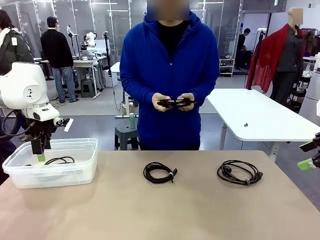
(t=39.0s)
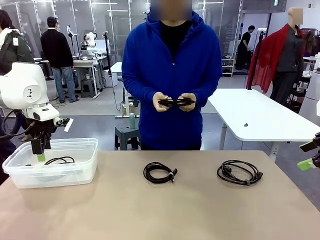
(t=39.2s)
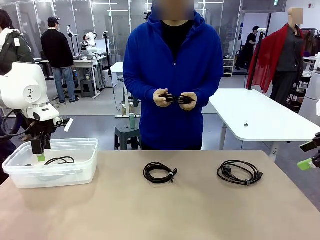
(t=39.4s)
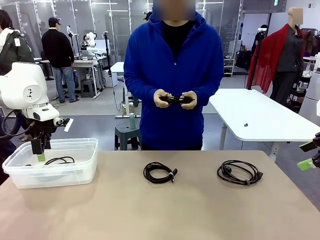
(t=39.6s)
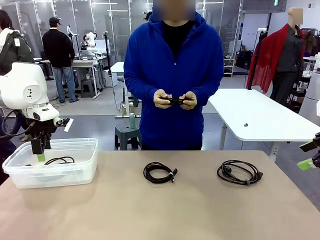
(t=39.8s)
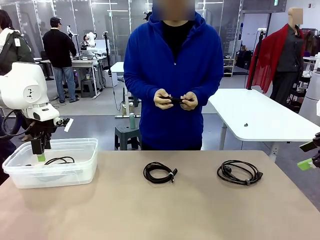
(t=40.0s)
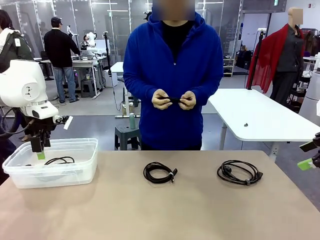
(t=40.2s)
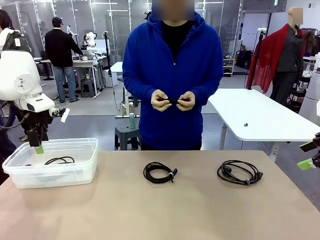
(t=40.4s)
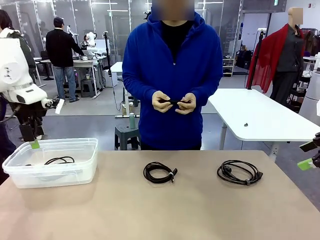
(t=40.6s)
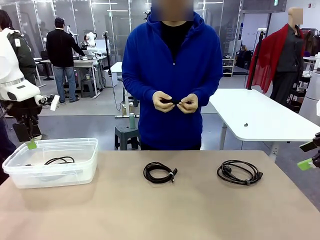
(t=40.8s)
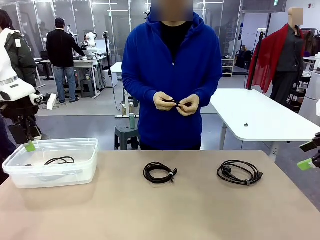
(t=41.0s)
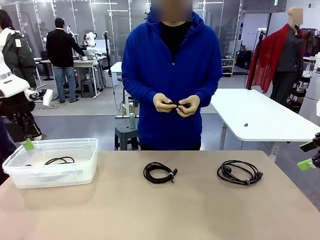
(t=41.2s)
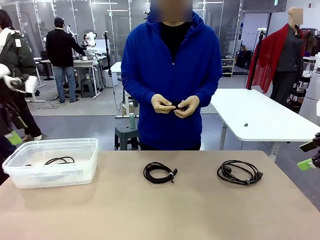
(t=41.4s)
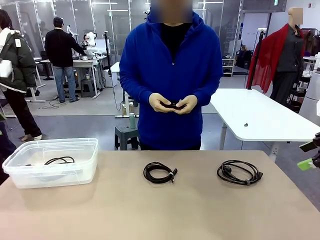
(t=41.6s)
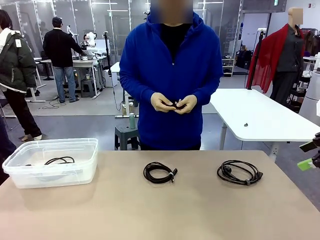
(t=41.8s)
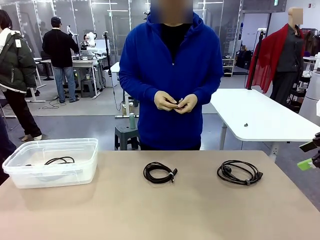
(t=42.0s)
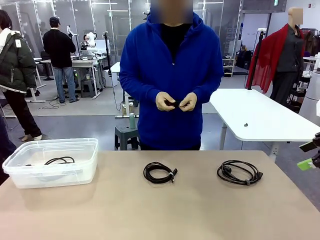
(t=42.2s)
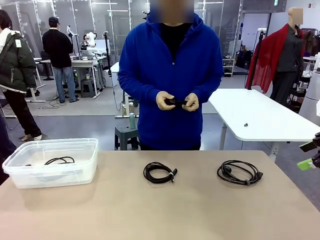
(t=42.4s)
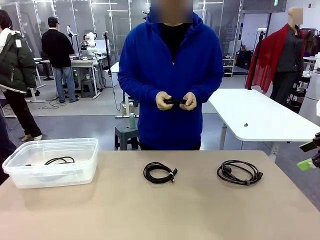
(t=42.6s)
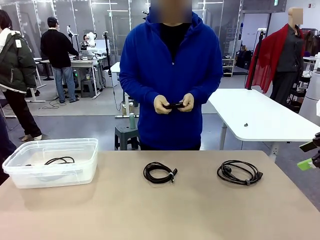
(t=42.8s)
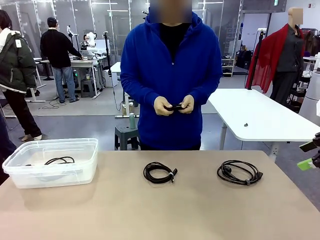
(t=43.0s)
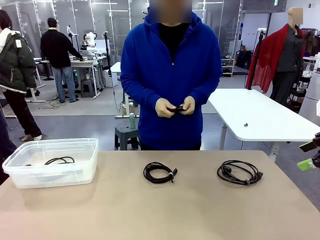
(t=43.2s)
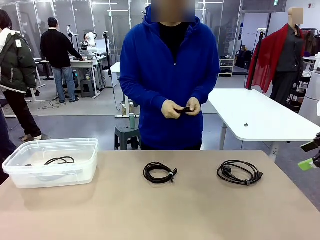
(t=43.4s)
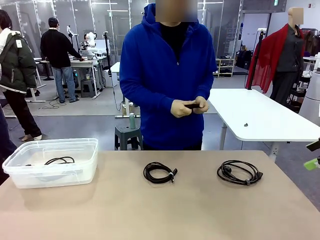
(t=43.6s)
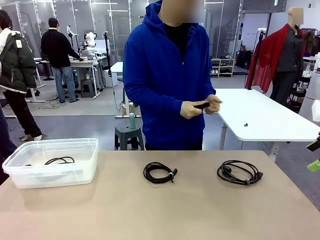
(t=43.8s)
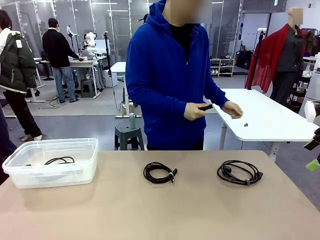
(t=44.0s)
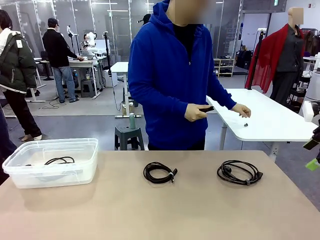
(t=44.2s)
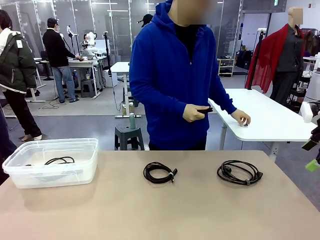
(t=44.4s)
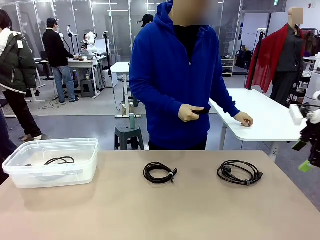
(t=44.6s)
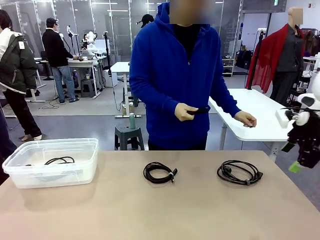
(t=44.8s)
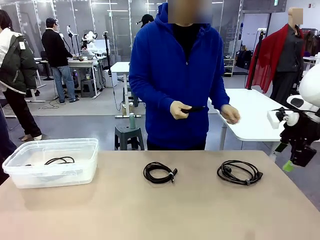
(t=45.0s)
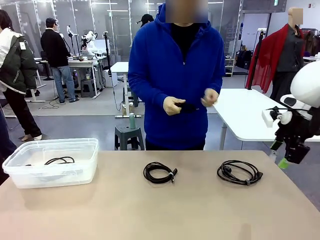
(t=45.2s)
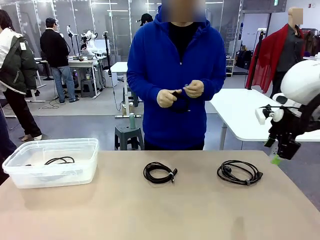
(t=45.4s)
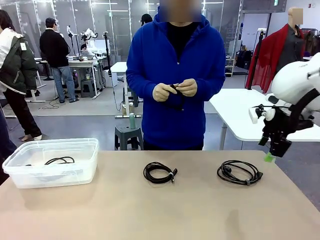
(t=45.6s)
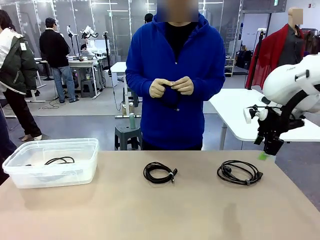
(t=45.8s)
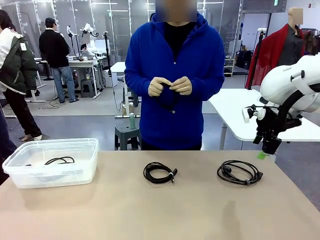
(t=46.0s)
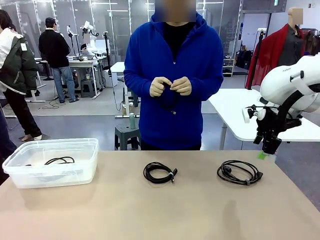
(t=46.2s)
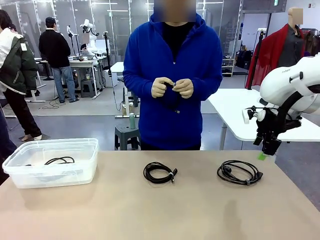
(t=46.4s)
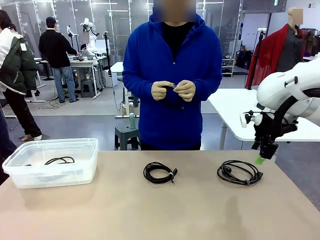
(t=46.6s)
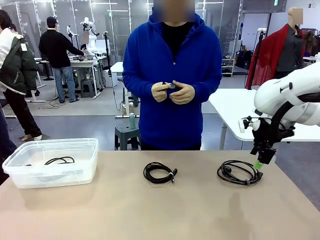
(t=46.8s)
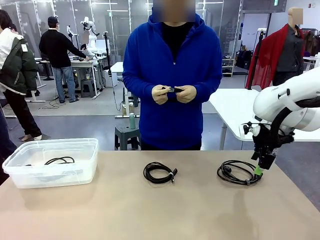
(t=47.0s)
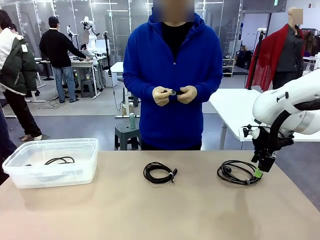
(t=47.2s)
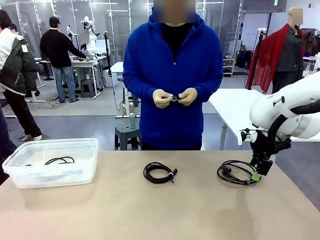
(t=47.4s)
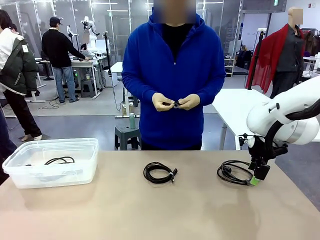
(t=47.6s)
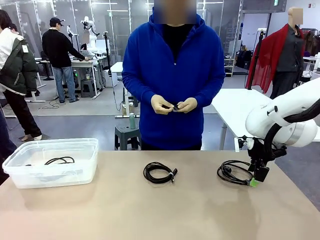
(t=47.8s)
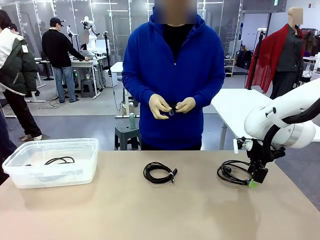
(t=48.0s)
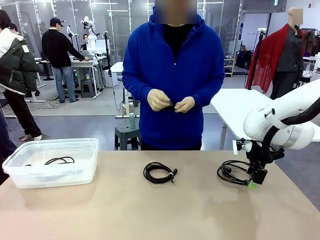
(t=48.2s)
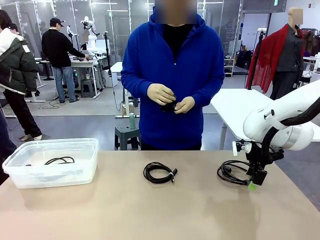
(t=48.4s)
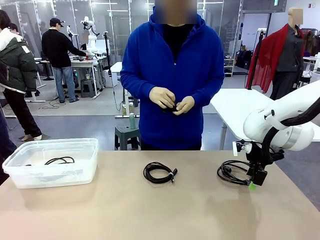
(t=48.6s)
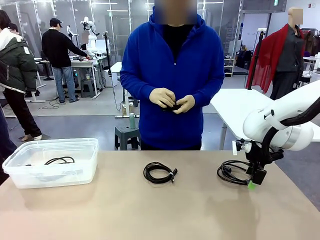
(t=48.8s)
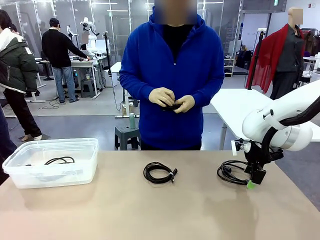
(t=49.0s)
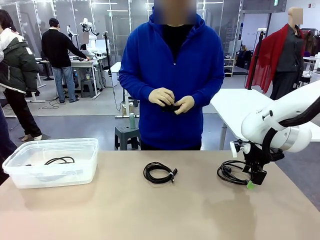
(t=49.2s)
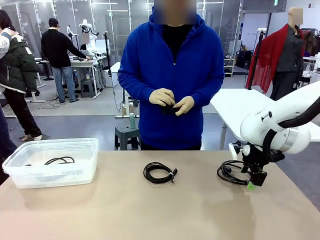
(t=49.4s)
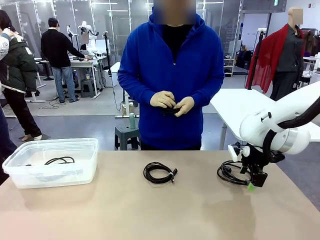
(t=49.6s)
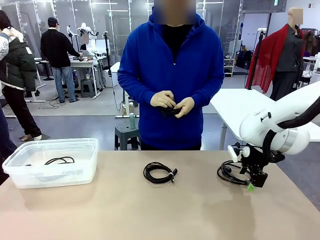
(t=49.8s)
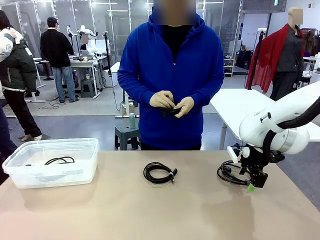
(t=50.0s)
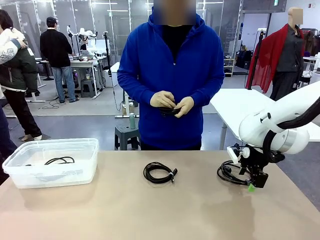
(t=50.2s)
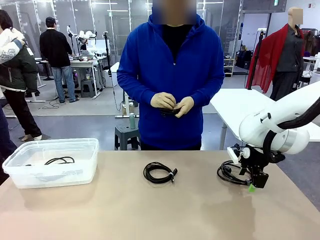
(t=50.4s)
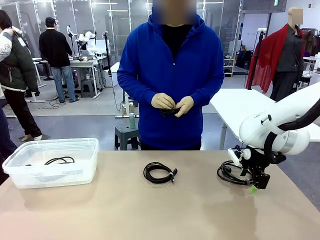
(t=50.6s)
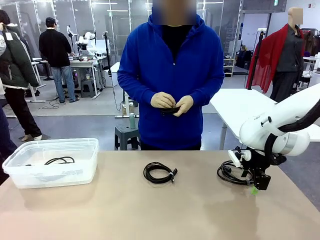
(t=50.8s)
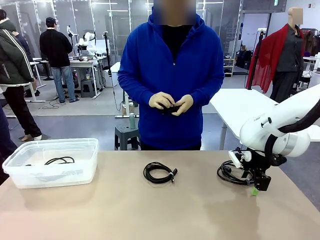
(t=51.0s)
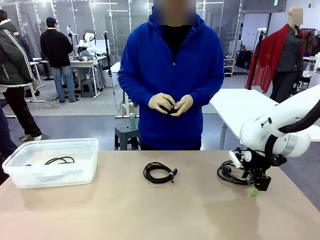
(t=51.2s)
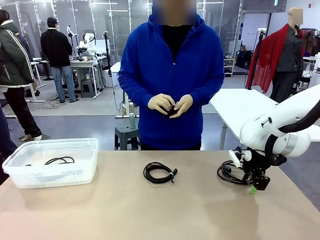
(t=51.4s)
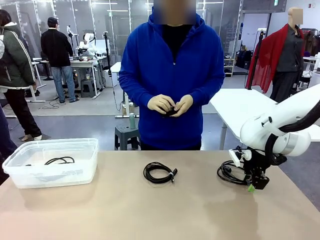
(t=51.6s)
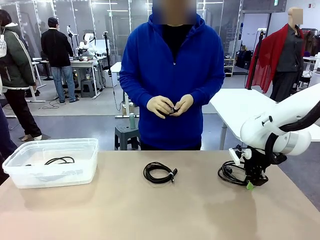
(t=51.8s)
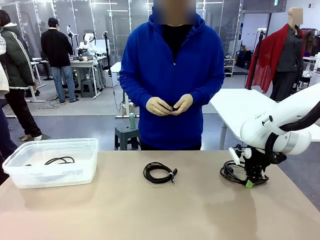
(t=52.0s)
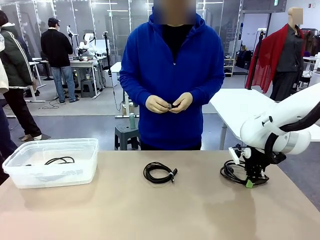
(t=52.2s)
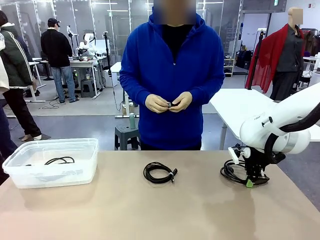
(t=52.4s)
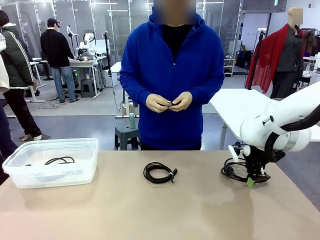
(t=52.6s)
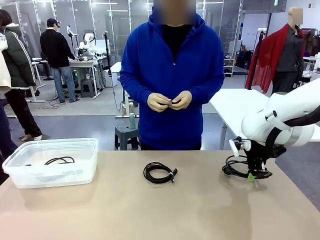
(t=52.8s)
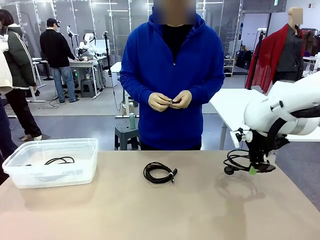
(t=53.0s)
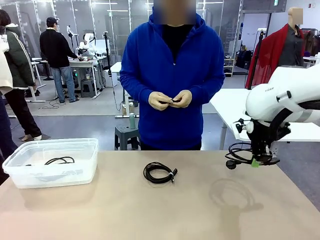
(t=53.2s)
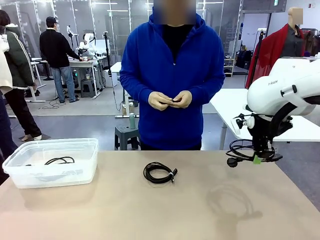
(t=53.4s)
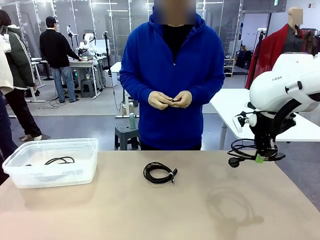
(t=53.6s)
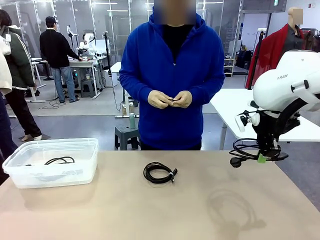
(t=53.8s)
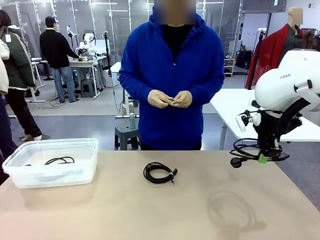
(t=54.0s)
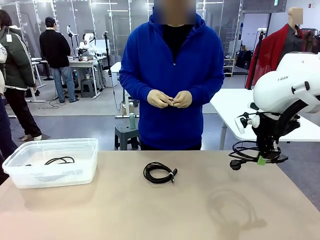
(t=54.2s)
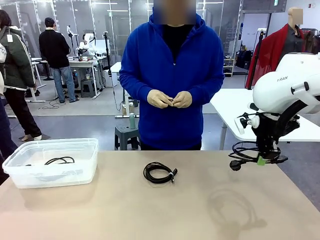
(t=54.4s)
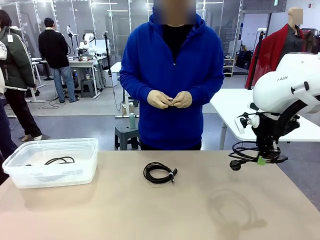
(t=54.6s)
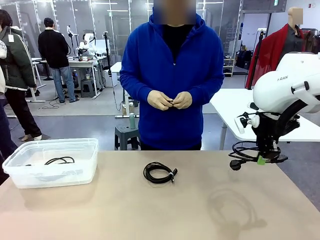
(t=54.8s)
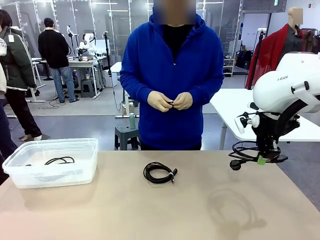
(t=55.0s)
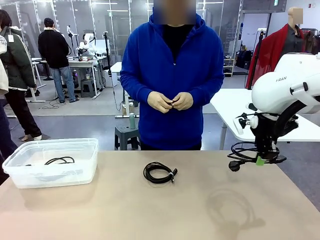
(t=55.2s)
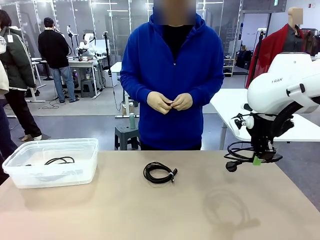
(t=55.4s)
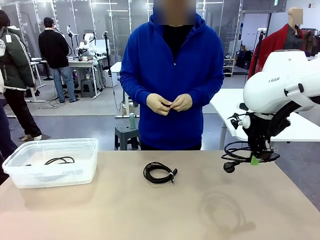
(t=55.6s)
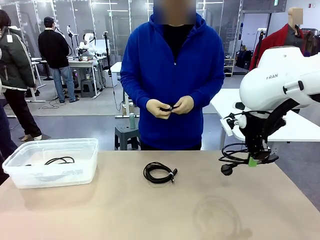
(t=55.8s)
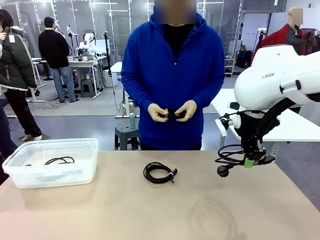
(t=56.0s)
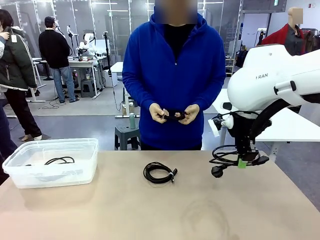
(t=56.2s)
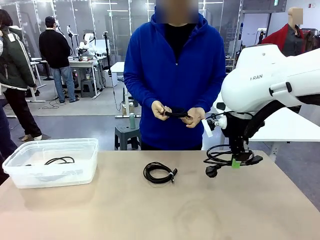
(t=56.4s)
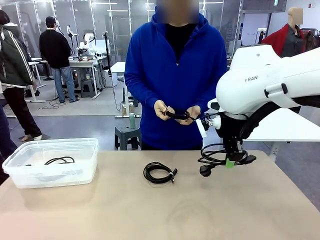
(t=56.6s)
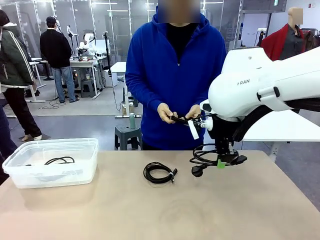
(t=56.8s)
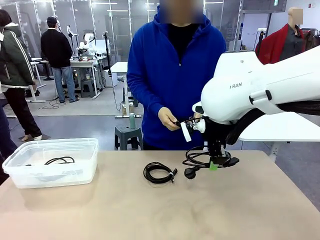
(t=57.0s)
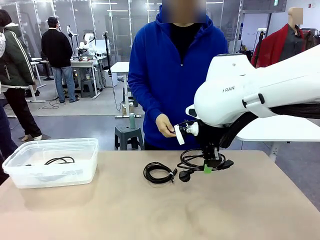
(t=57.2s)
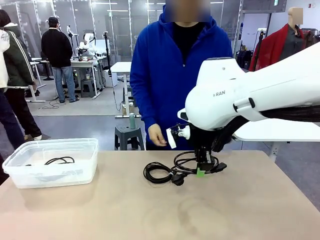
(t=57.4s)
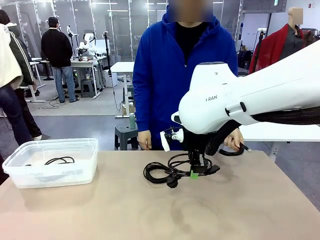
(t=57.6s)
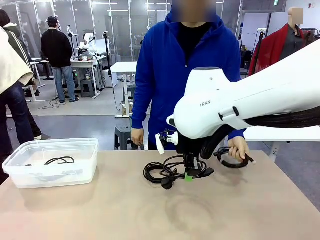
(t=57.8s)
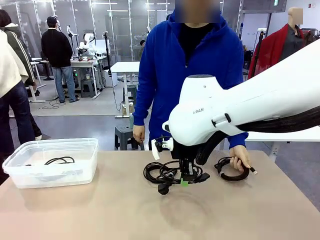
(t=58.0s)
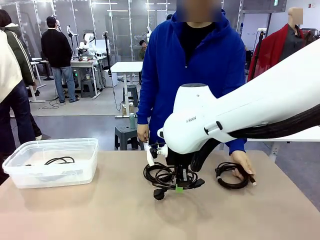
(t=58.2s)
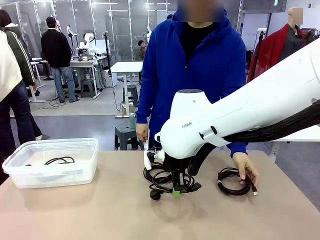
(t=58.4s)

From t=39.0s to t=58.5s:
Task: Organize and store the cables.
Robot: Place the Power Cable into the Organizing box.
